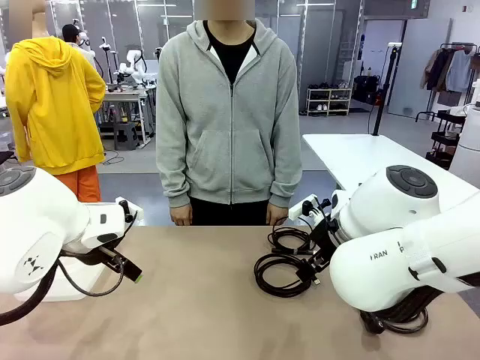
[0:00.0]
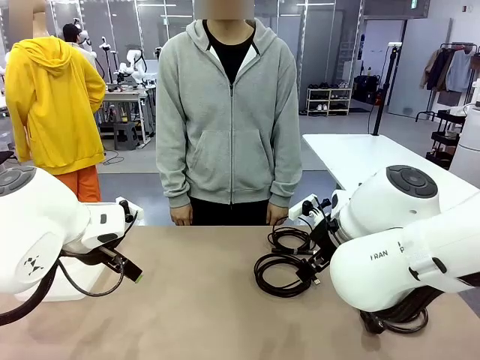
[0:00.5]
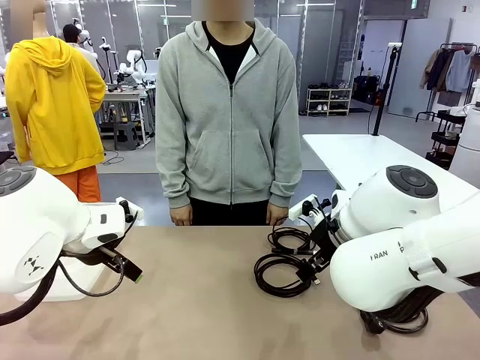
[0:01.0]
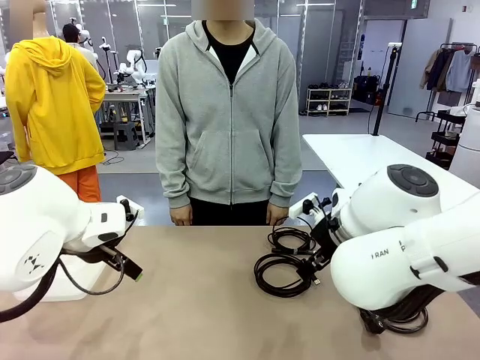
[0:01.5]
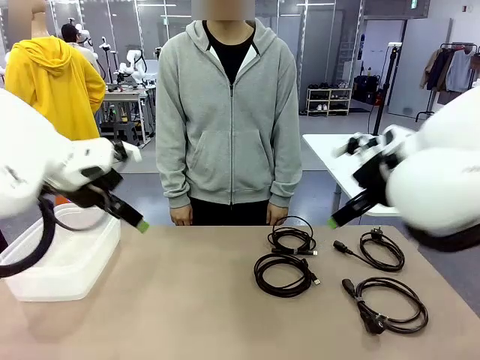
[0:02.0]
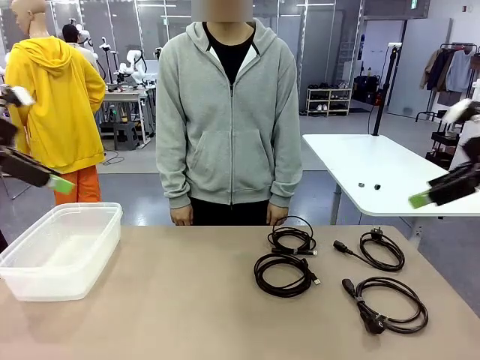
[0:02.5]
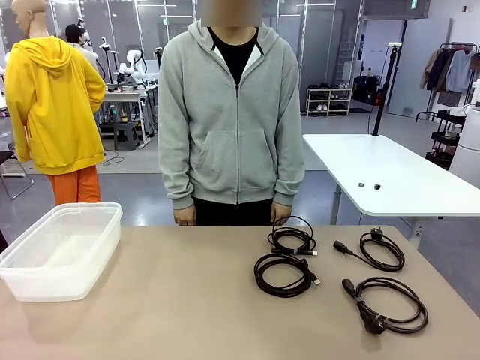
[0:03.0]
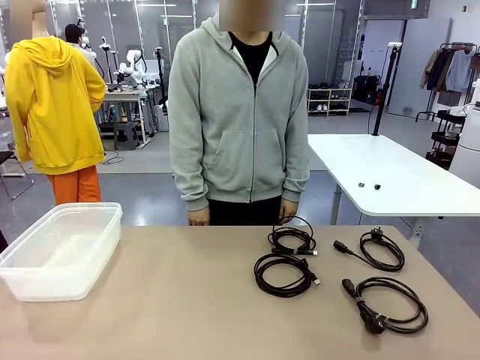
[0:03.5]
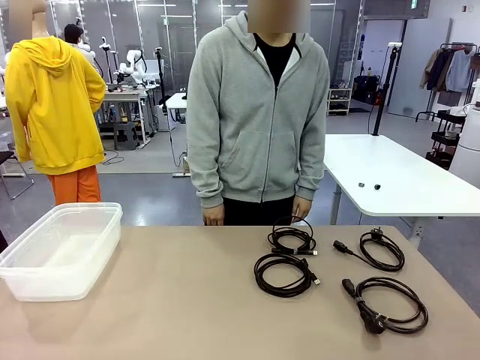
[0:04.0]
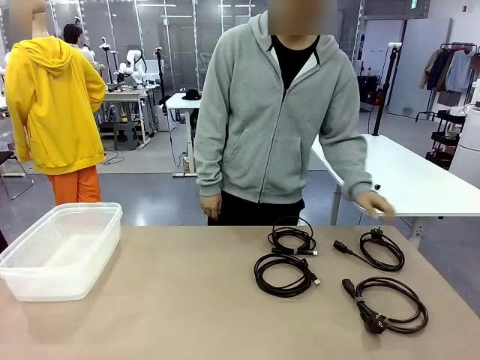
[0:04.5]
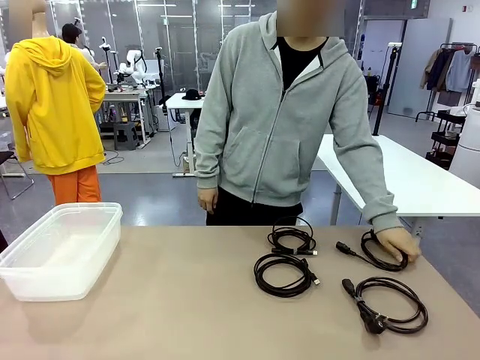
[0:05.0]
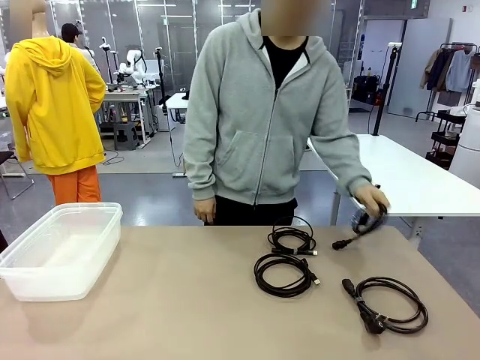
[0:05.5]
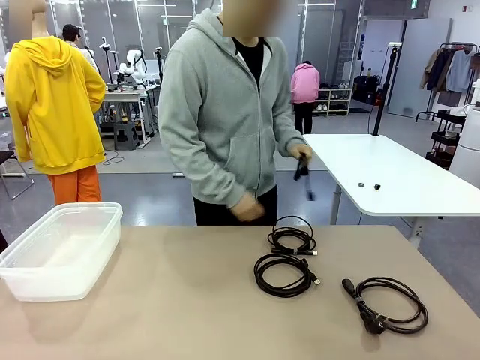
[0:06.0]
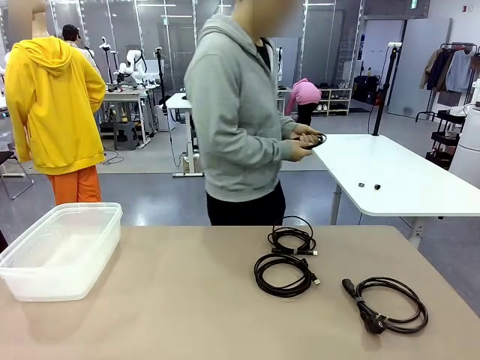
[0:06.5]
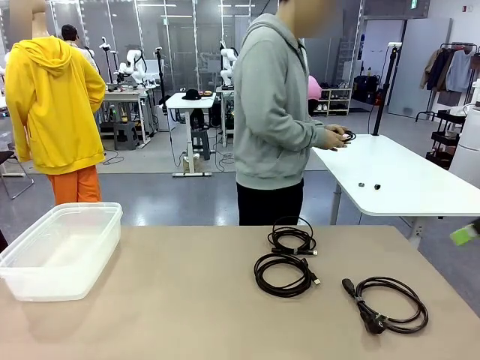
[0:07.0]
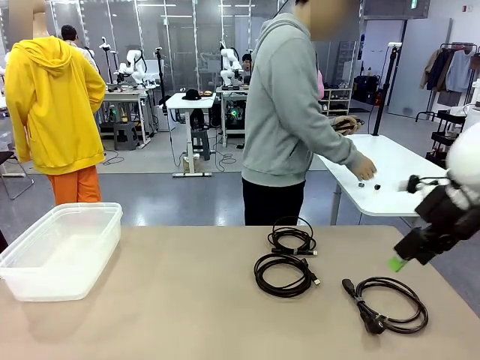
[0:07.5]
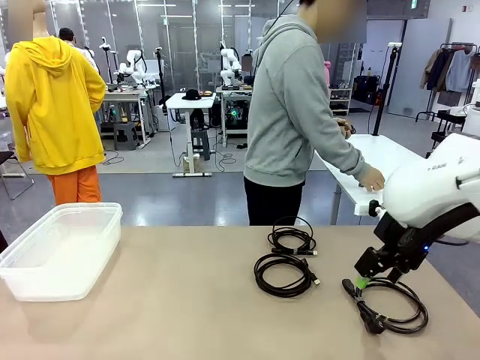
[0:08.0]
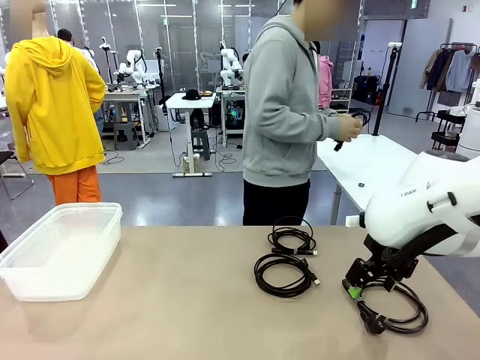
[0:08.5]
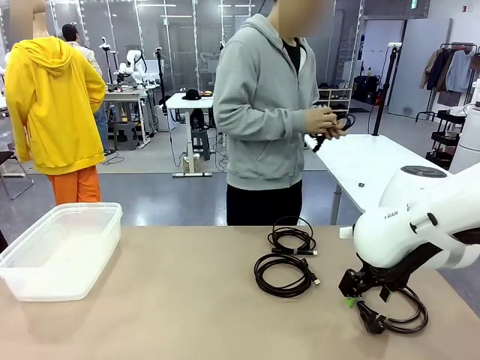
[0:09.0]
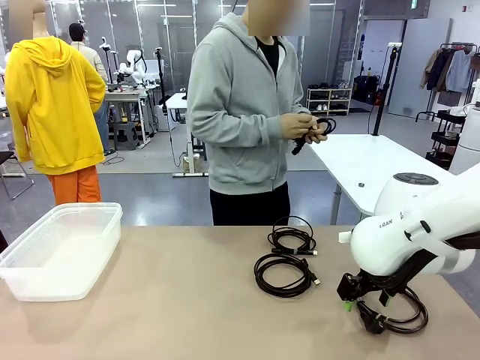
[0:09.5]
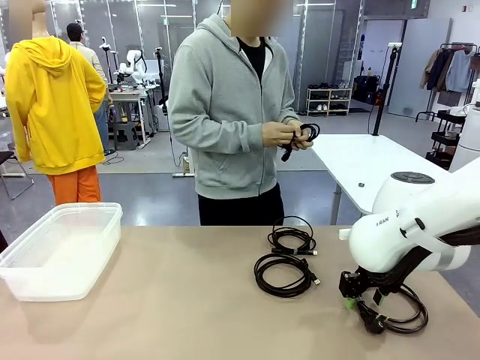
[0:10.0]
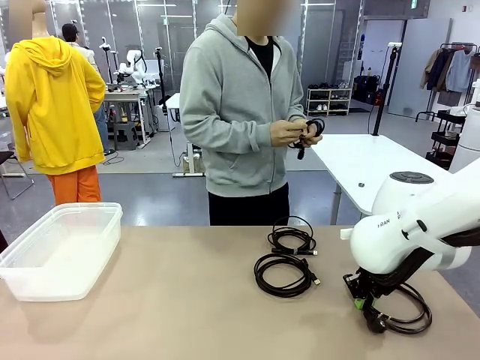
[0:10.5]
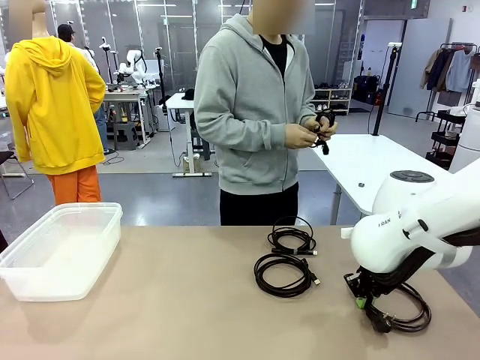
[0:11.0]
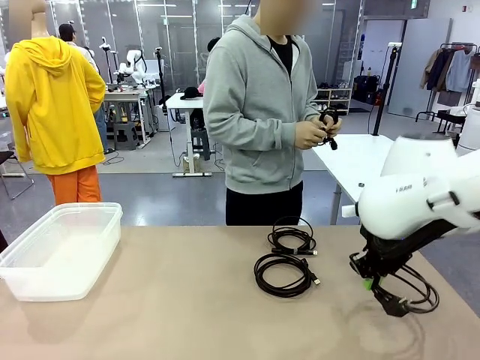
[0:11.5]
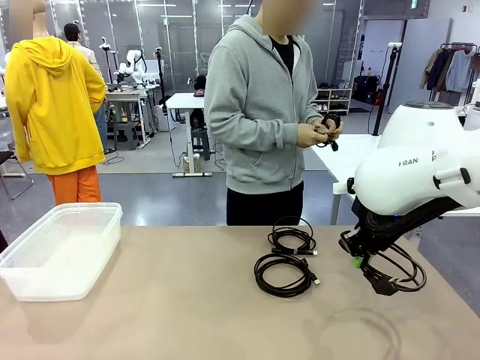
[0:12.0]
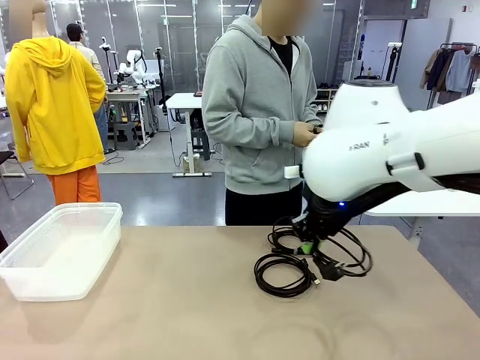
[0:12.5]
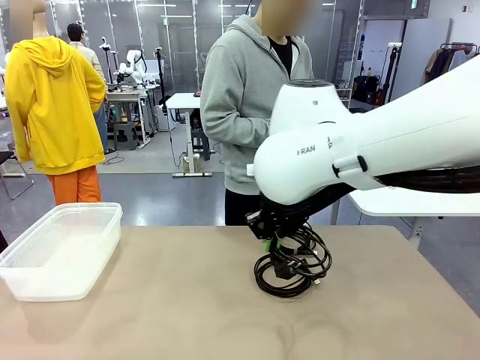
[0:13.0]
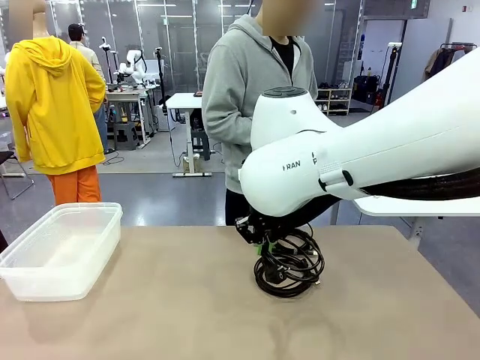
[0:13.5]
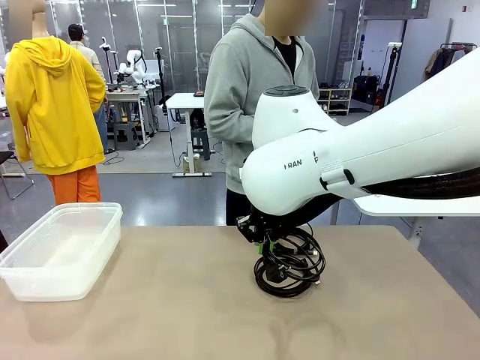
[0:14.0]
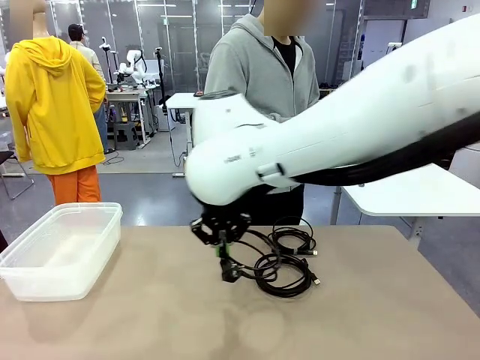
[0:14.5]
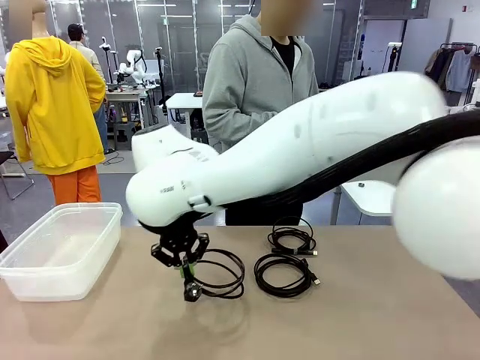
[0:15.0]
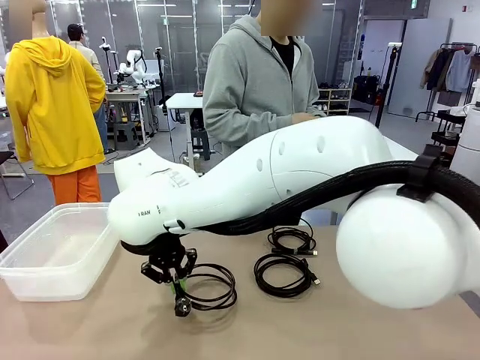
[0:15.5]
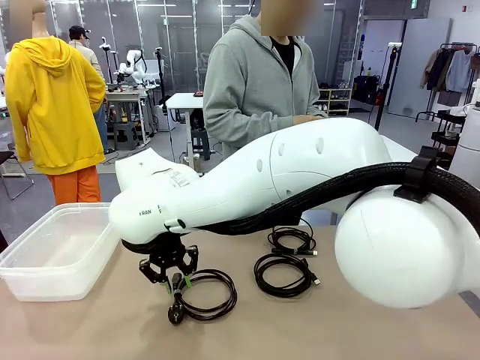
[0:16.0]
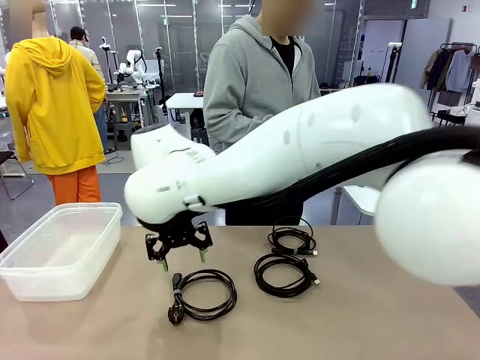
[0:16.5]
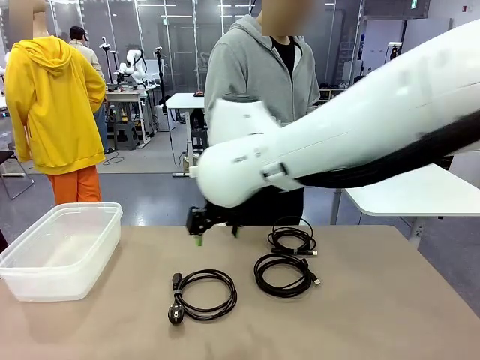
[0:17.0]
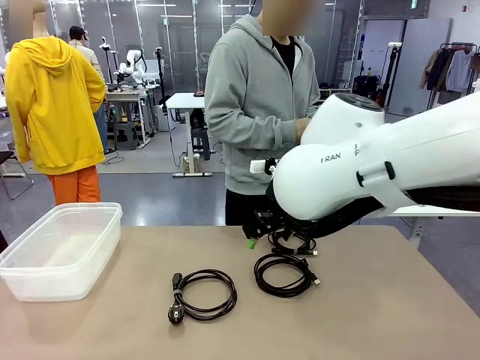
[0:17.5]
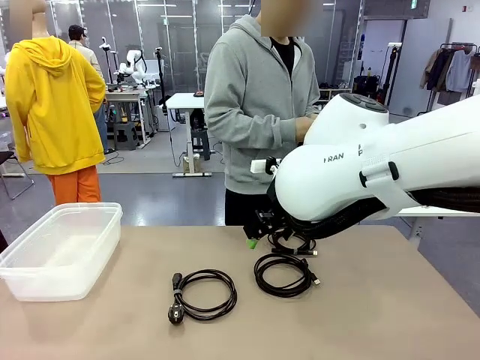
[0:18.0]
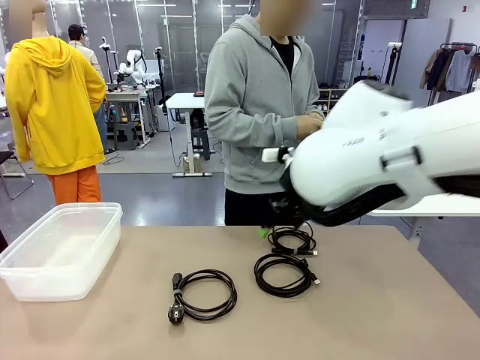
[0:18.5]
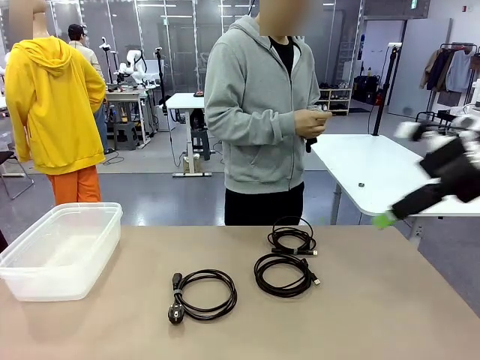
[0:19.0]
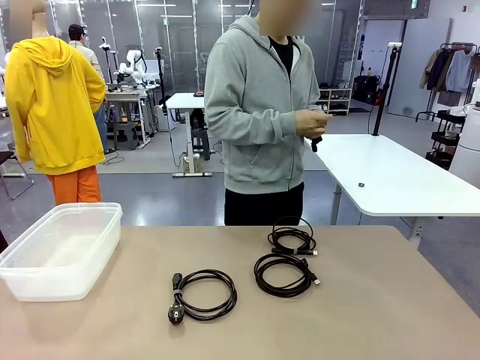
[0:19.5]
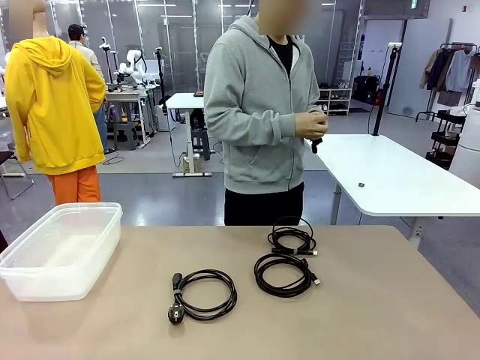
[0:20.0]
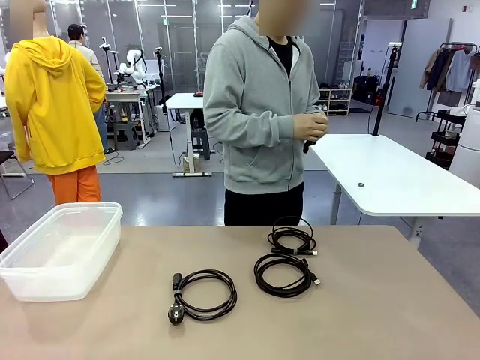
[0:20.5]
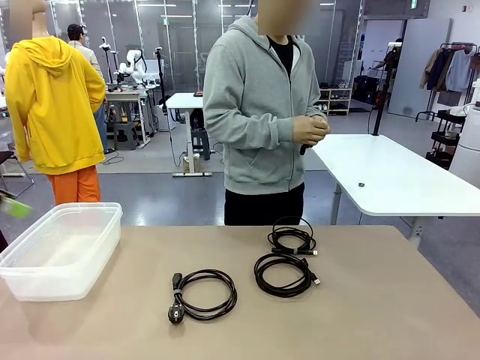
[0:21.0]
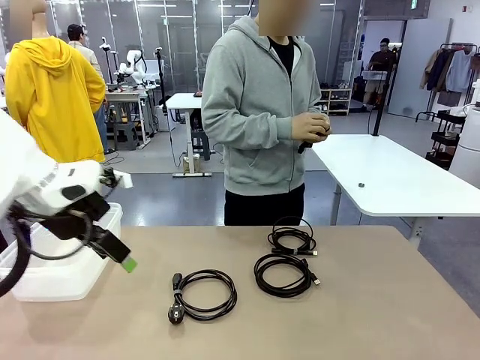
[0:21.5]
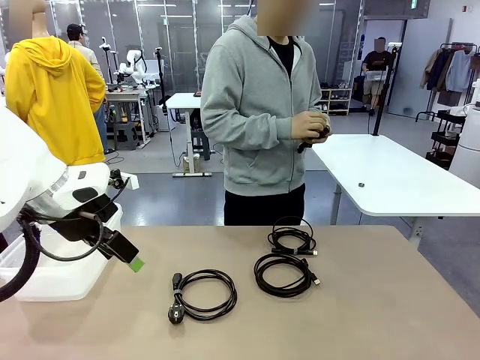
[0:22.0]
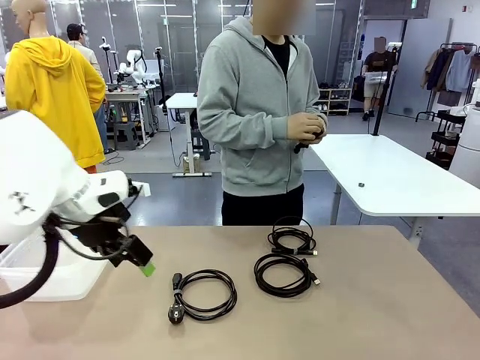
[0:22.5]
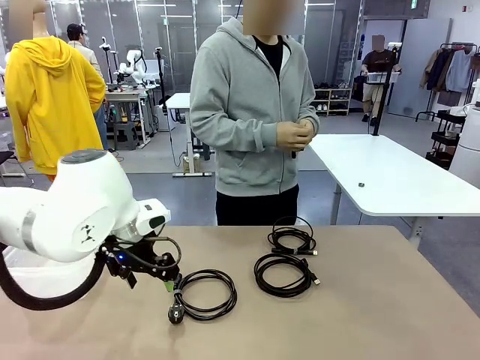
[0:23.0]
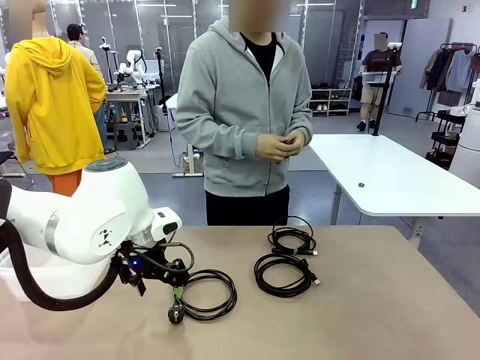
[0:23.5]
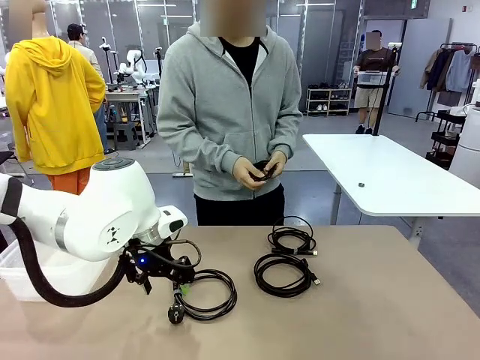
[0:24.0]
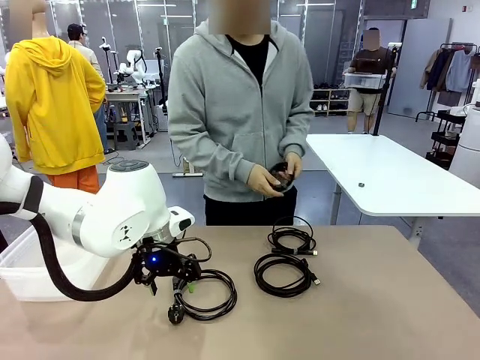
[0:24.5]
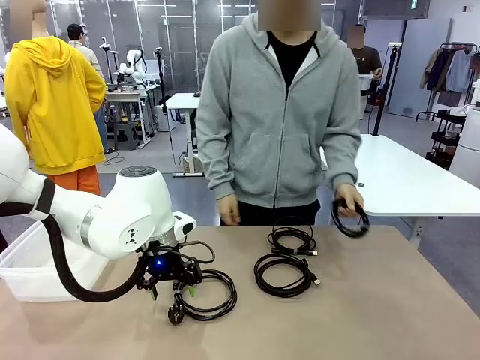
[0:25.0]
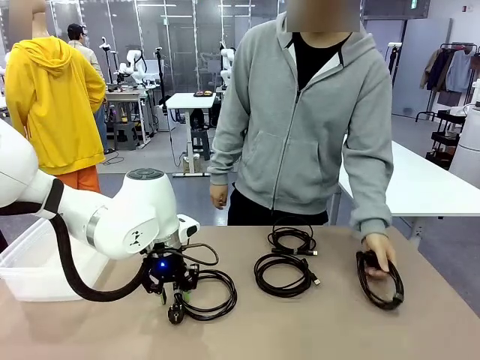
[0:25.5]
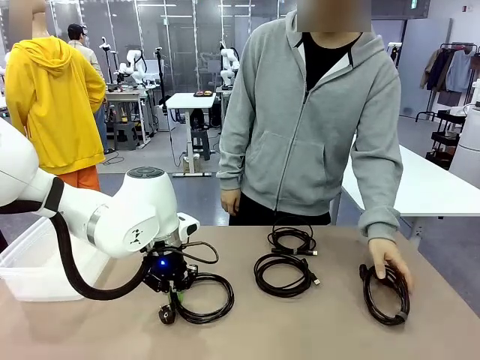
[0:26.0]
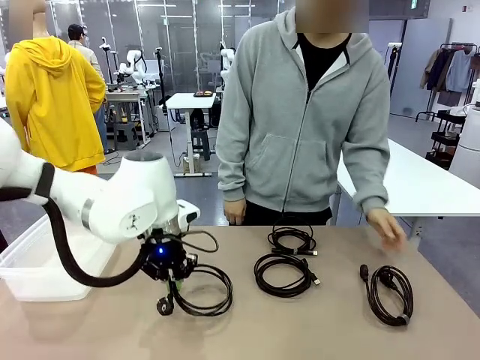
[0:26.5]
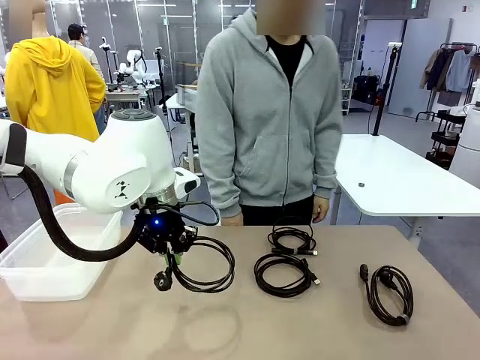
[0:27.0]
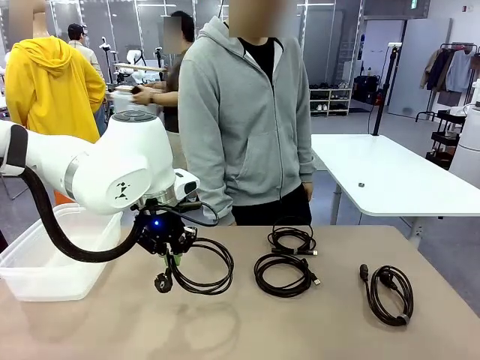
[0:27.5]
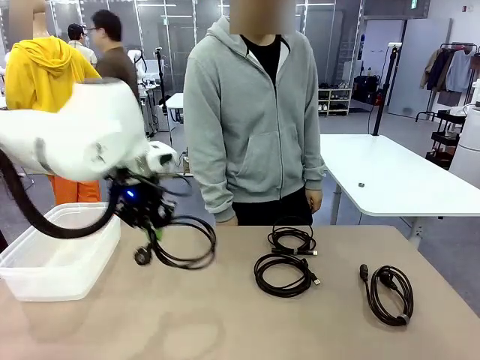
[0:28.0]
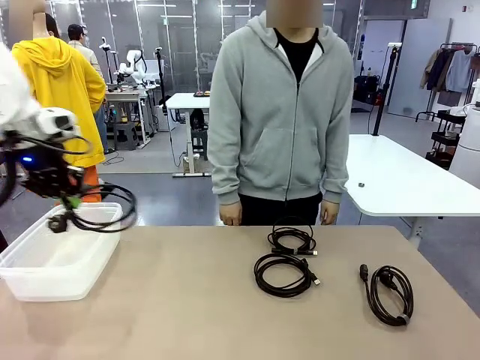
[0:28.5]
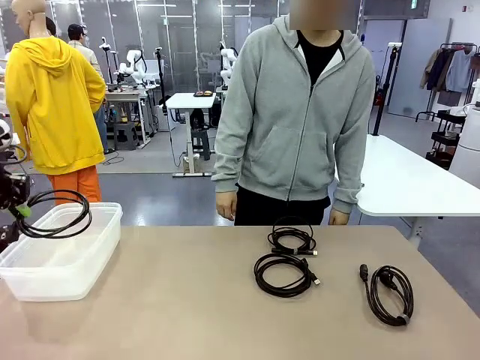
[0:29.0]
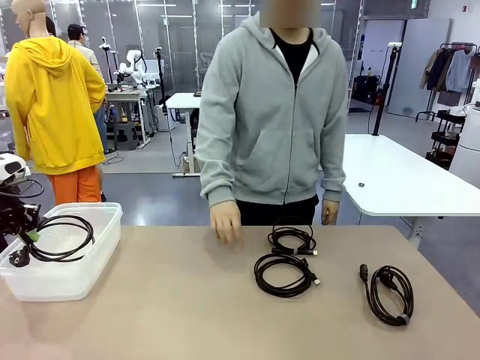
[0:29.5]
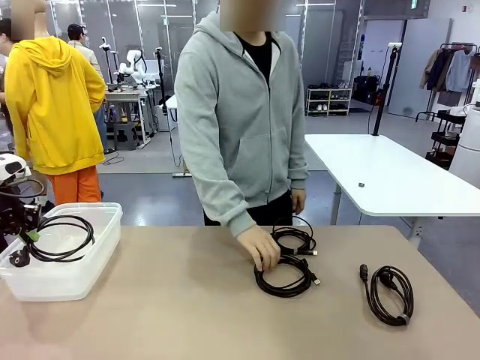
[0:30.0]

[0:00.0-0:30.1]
Task: Organize and store the cables.
Robot: Place the Power Cable into the Organizing box.
Person: Tie one Power Cable with a Reusable Cable Tie.
